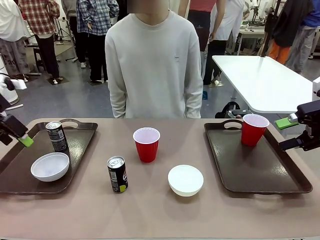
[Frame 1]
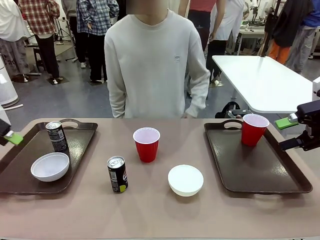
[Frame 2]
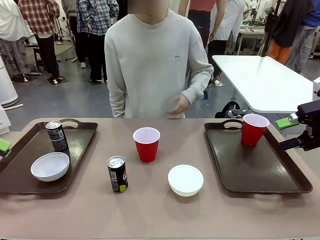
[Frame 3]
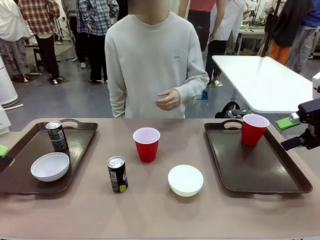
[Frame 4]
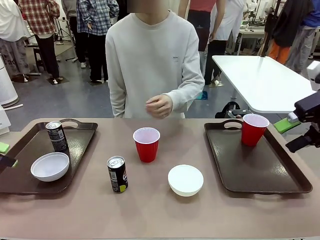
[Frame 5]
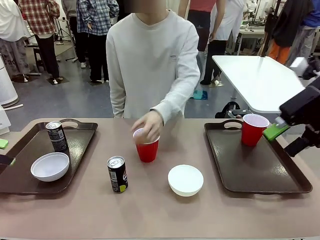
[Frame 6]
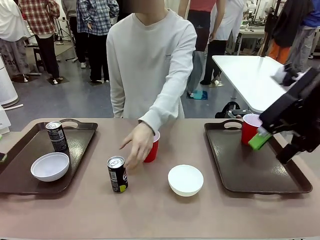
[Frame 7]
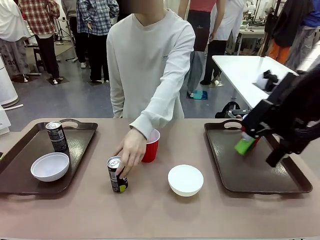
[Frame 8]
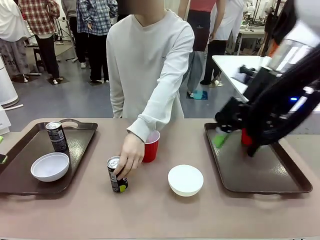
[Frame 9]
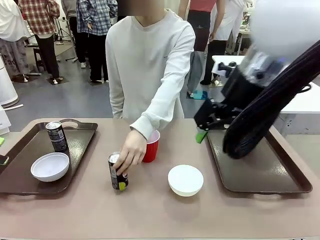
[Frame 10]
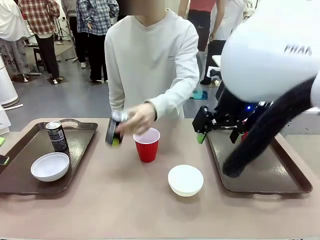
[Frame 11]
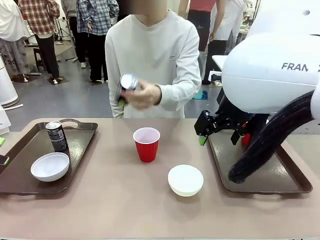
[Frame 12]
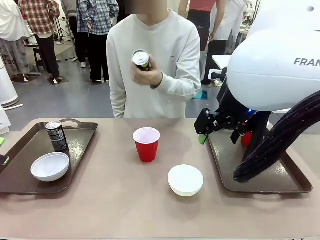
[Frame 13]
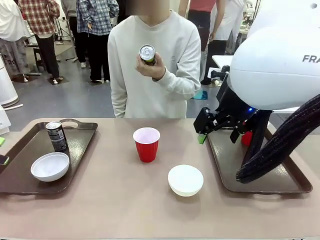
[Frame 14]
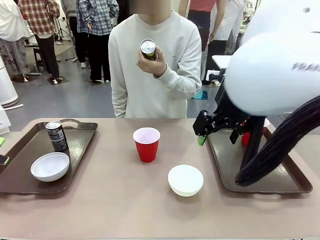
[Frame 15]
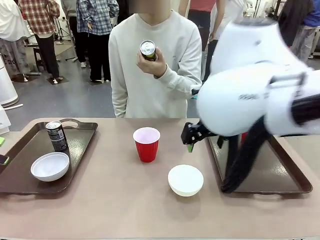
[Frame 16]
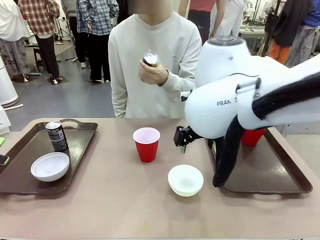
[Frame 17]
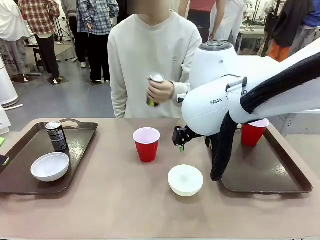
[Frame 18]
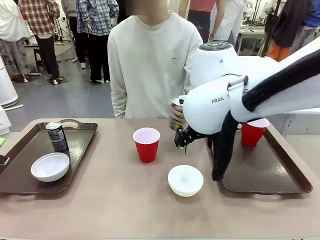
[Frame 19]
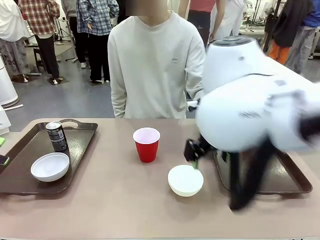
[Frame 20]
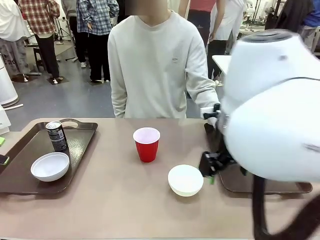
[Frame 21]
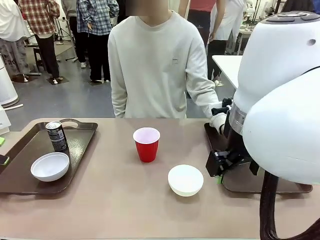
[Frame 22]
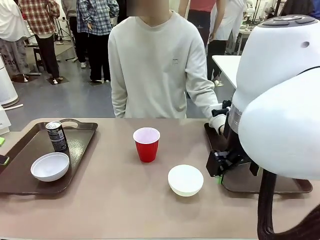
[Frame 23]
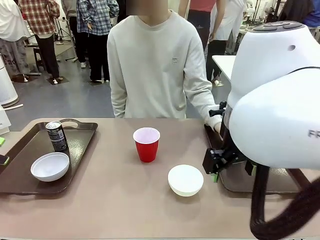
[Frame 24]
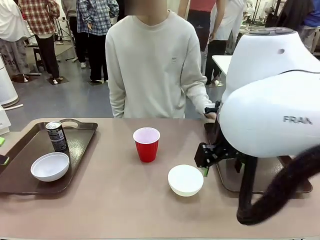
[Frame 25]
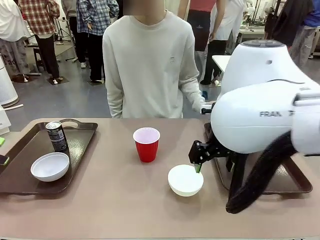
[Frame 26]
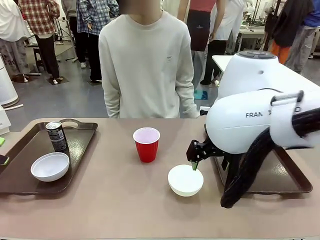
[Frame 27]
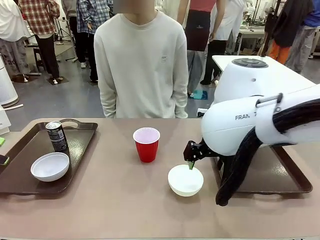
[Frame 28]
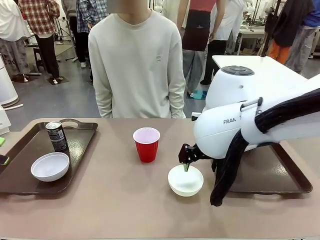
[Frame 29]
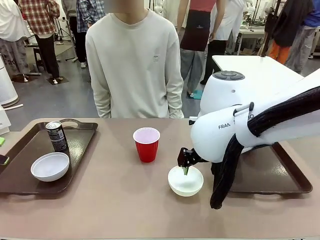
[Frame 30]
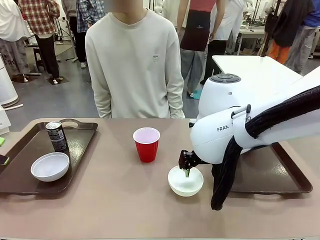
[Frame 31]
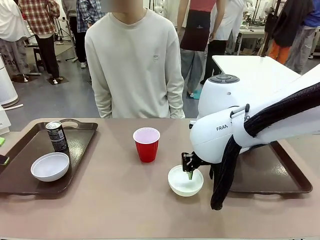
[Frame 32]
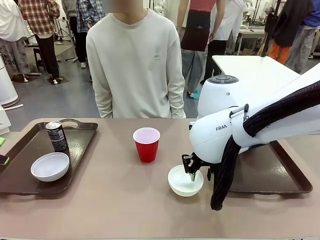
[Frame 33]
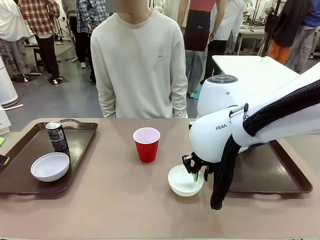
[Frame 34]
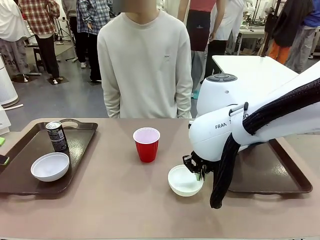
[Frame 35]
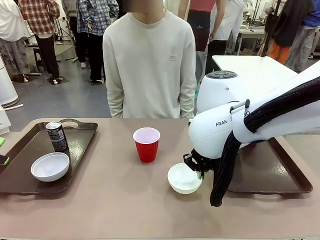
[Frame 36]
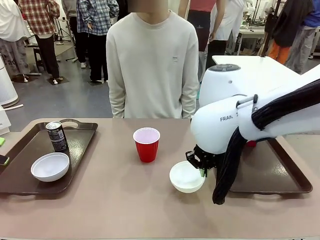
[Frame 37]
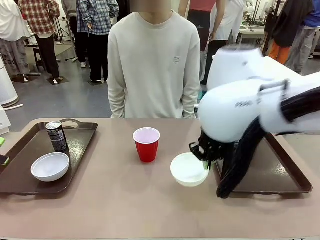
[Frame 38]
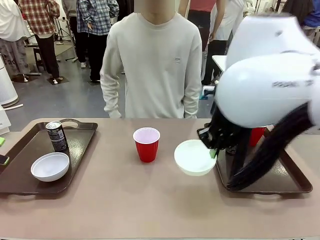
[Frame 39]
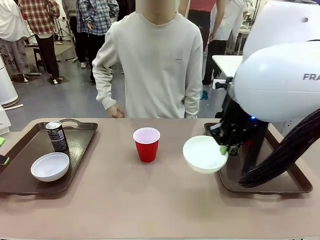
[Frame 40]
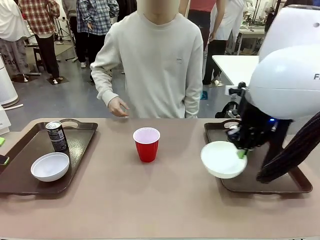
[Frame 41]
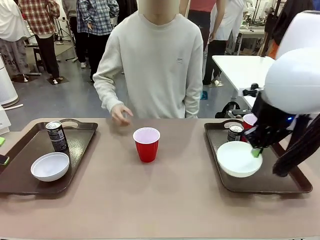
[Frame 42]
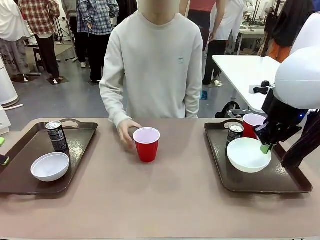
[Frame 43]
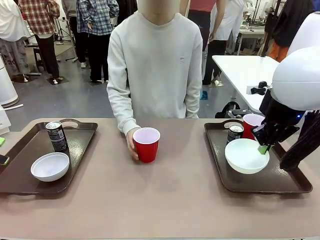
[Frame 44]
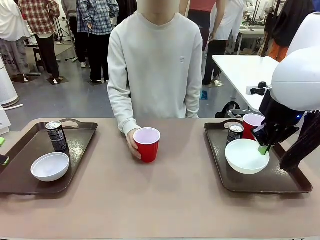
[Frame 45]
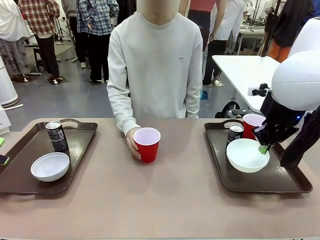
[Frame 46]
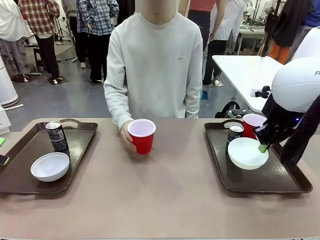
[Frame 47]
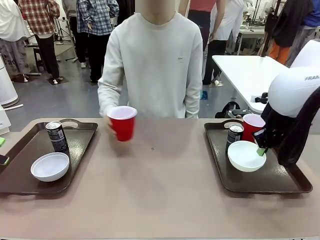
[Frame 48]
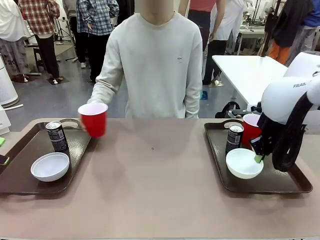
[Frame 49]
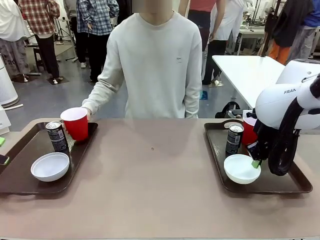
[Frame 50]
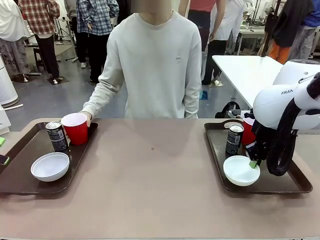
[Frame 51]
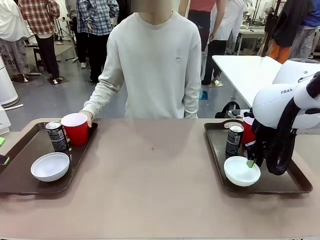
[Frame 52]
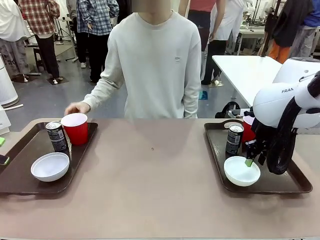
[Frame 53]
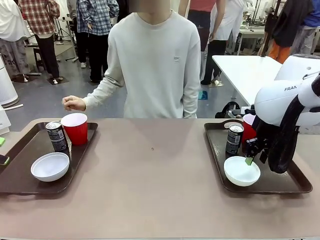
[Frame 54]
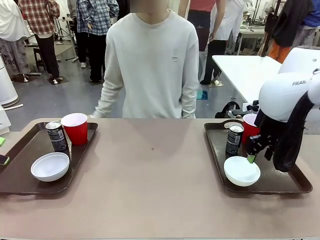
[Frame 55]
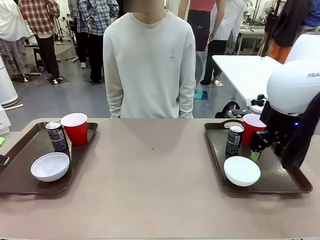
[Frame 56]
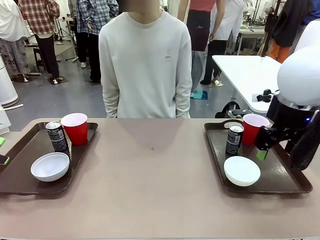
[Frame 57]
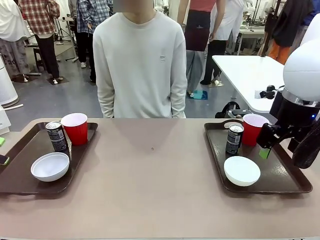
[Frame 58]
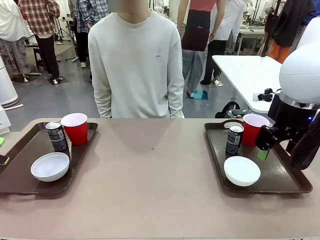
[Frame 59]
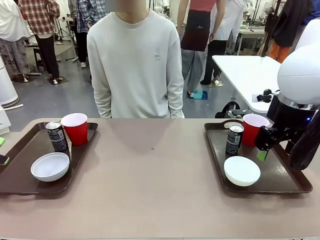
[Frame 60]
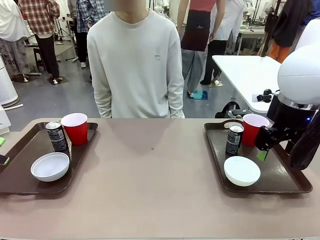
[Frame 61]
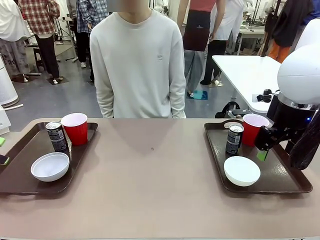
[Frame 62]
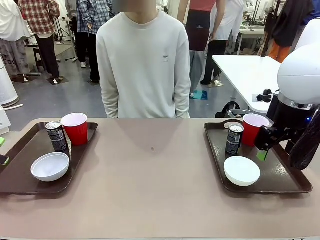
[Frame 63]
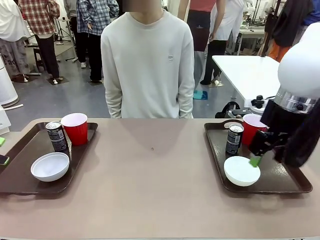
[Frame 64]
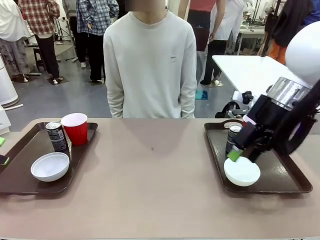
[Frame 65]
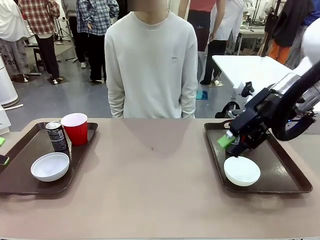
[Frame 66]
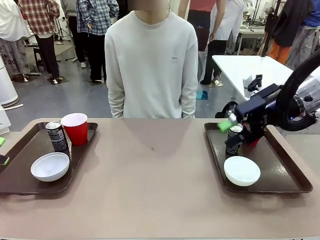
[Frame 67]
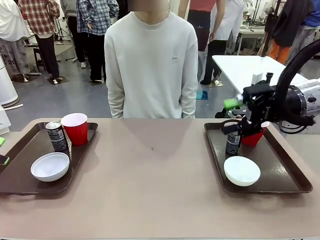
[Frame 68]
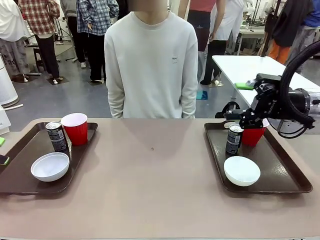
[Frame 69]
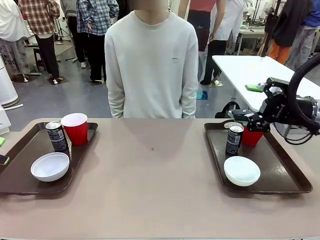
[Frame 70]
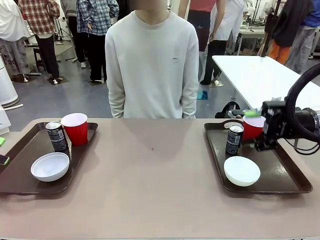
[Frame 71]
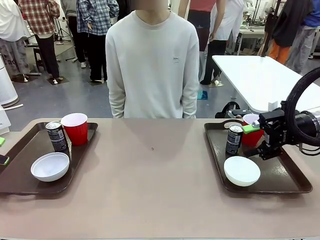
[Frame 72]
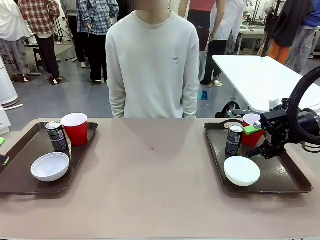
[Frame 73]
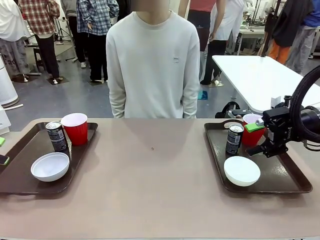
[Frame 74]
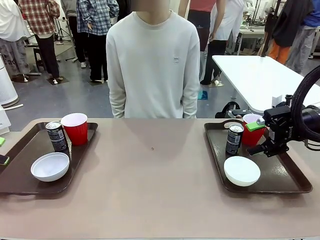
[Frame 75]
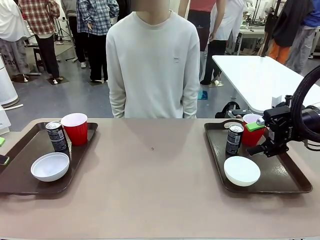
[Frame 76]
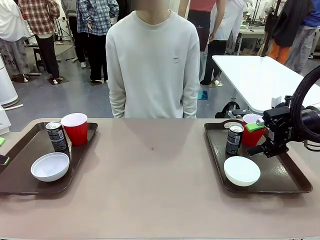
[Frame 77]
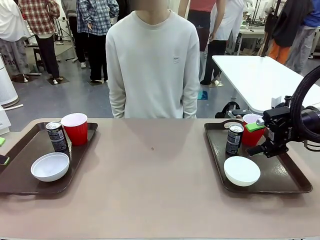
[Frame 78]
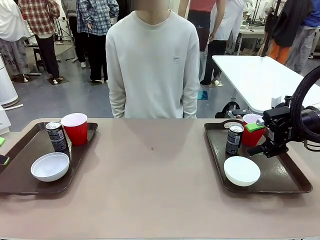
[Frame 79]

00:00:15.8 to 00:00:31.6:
Task: Prepare tableware on both trays.
Robot: Pick up a Picnic Bowl from the table and place it on a Handle tray.
Person: Pick up a can or cup and place it on the tray without a can or cup.

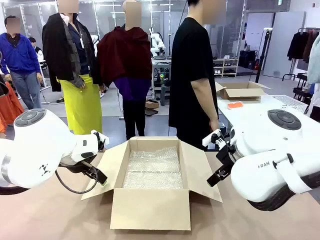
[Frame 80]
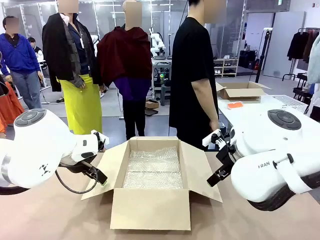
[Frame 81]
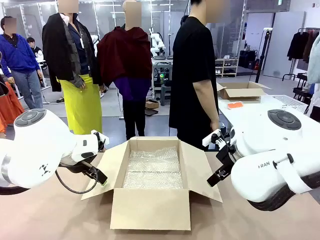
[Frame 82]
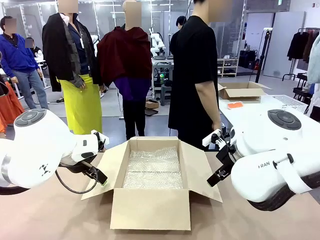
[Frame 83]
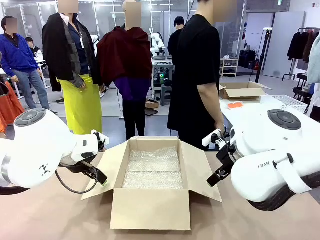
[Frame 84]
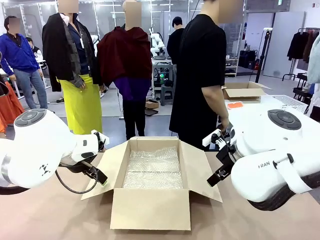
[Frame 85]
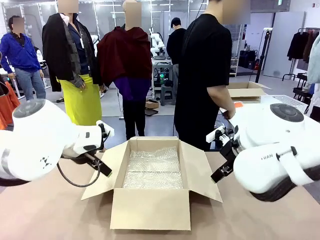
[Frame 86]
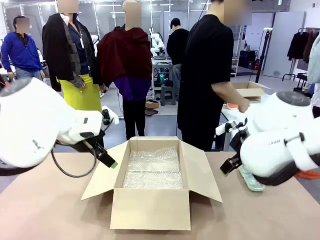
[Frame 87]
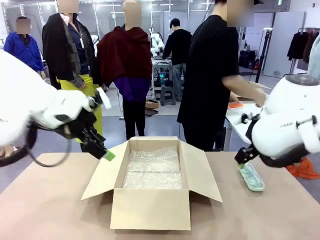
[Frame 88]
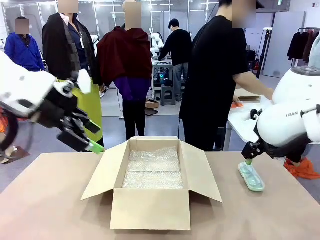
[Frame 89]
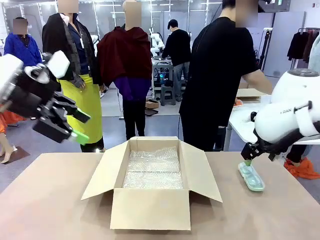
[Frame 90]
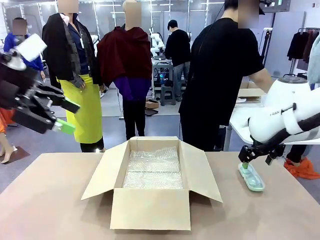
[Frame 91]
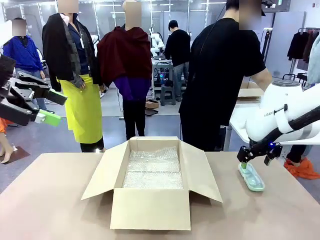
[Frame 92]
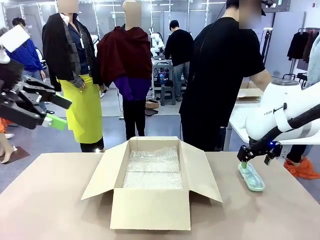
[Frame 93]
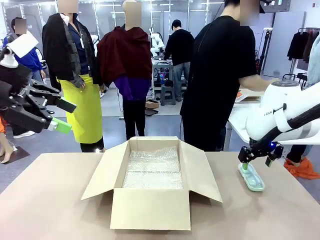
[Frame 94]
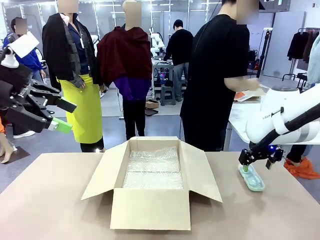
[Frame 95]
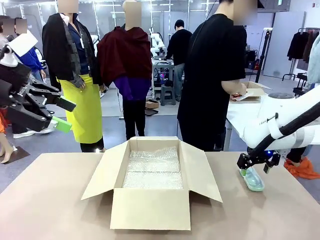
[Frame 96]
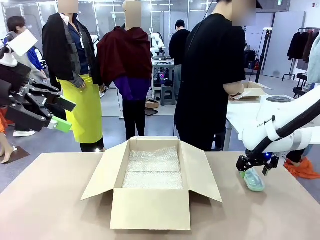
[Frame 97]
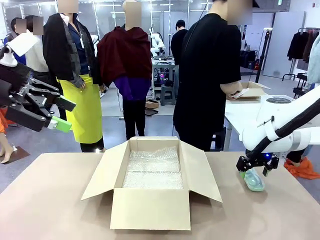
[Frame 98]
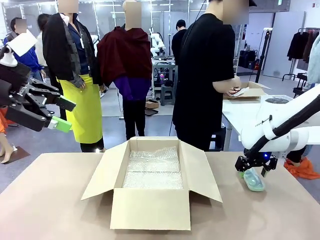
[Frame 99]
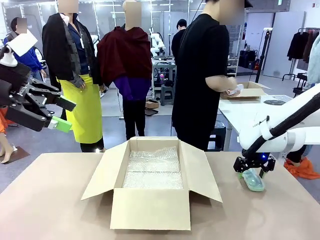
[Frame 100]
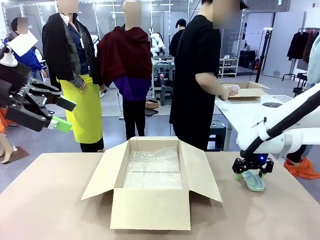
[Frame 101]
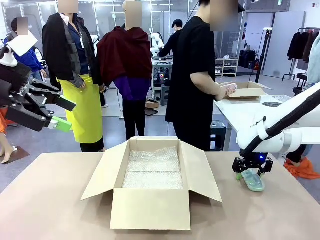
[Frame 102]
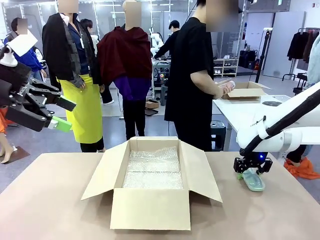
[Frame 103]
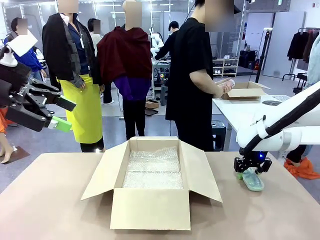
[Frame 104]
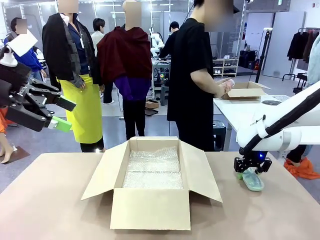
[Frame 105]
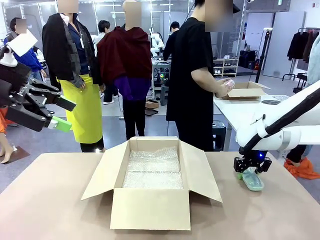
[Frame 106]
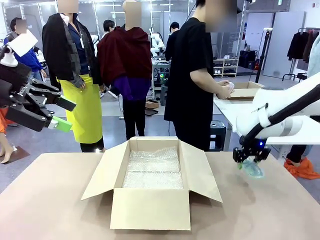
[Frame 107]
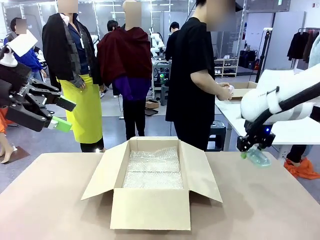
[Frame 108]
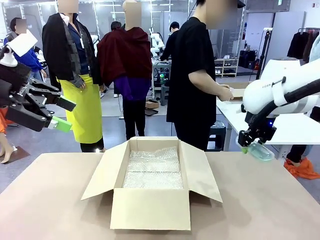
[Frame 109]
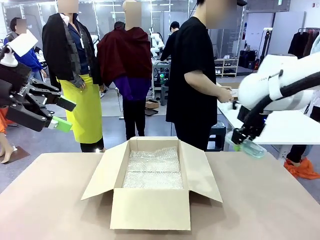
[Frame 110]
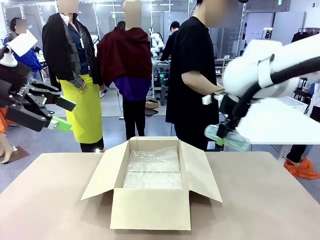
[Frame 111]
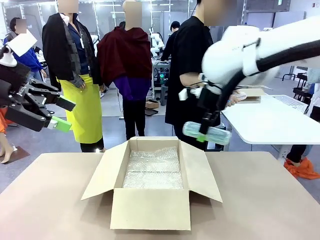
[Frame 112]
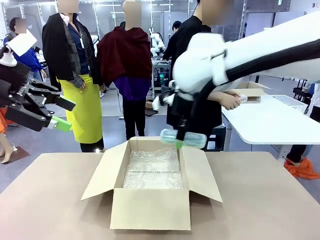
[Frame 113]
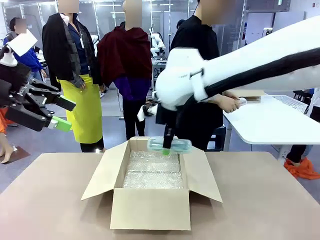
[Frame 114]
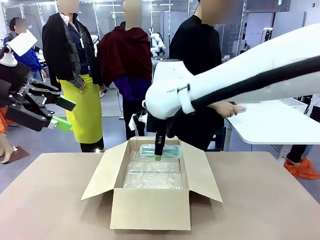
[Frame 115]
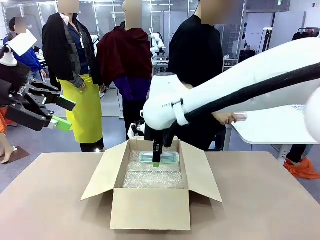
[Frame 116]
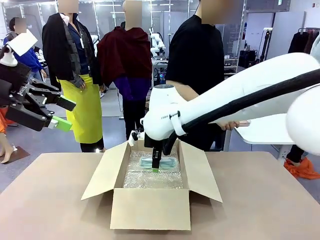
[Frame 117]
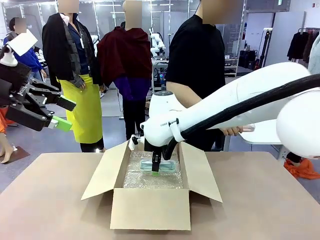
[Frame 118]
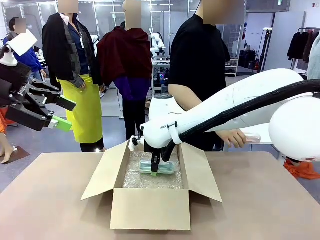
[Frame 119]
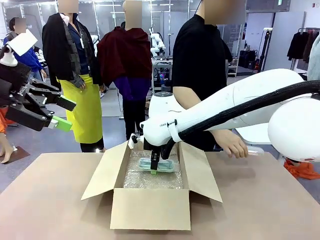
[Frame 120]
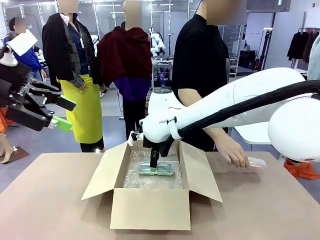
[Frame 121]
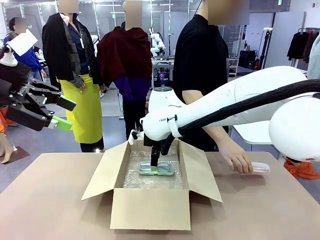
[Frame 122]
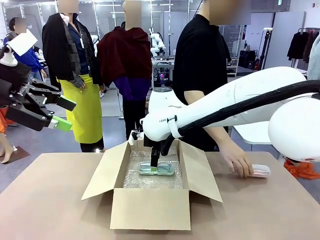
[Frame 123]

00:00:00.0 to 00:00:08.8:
Task: Pack the glasses set securely to prepare it for shipping.
Robot: Place the Glasses case inside the Package Box.
Person: Place the Glasses inside the Glasses case. Position the Glasses case on the left side of the robot's table.
